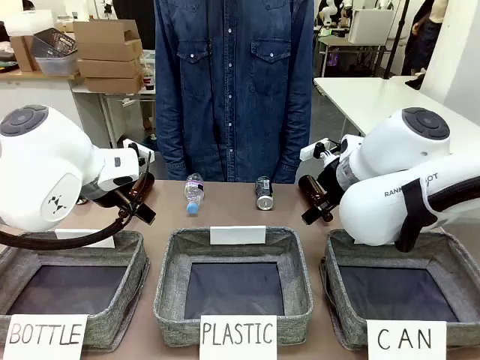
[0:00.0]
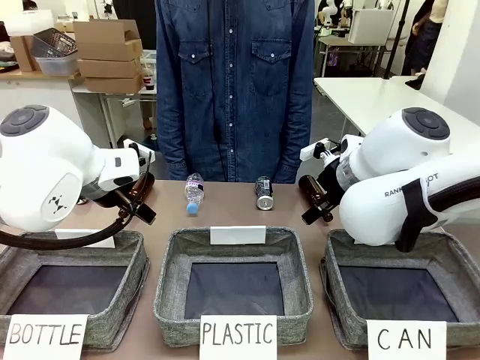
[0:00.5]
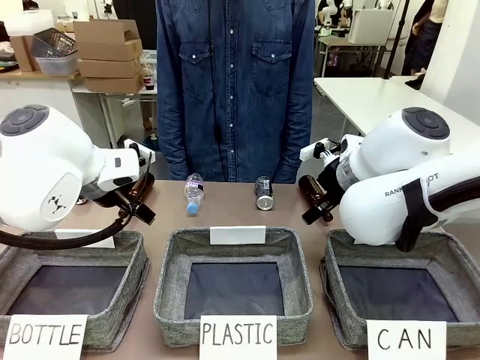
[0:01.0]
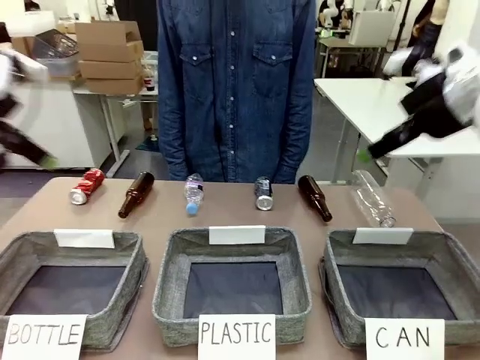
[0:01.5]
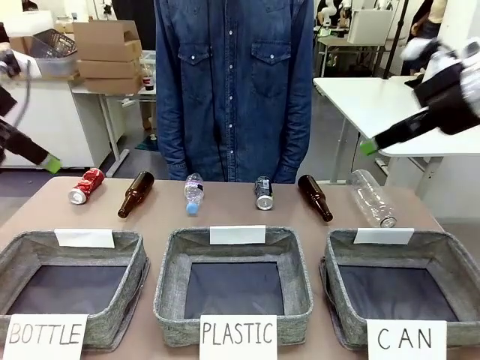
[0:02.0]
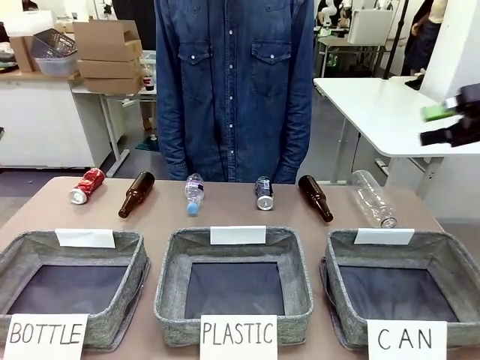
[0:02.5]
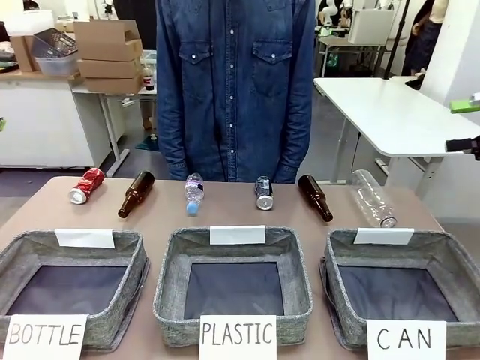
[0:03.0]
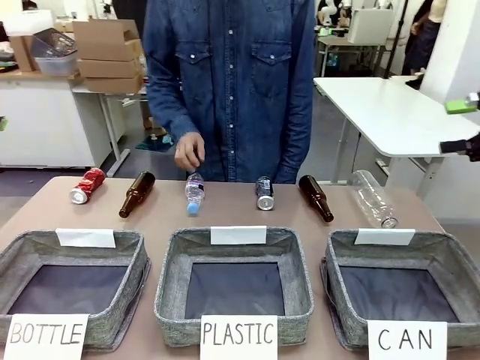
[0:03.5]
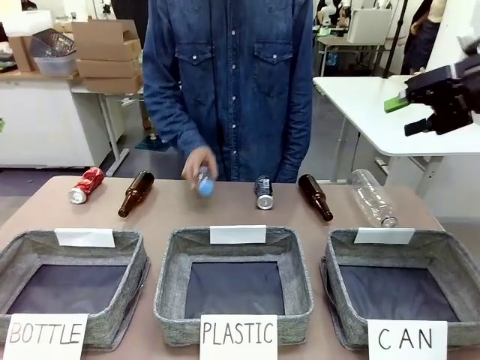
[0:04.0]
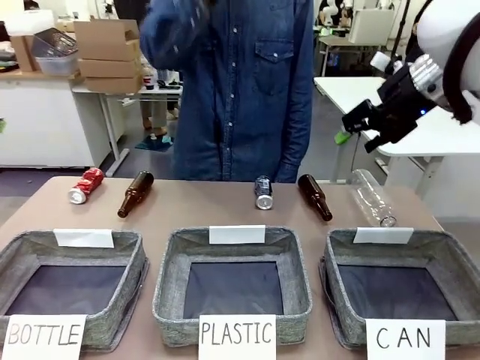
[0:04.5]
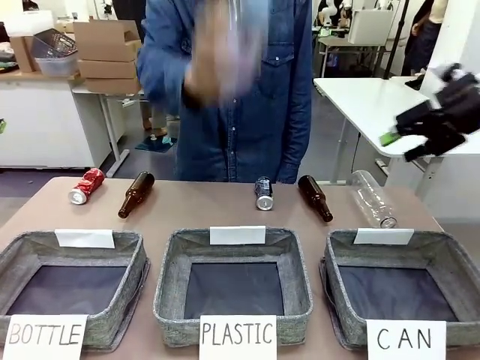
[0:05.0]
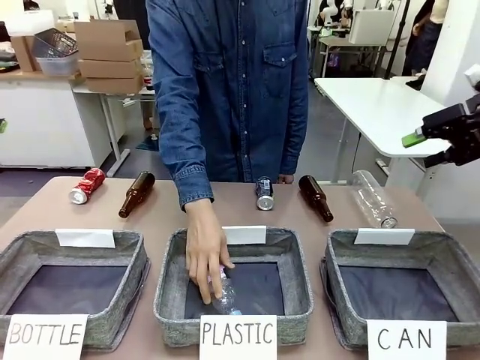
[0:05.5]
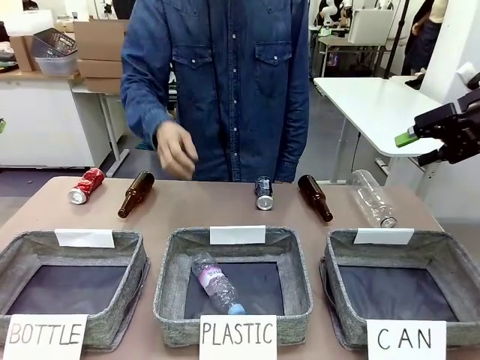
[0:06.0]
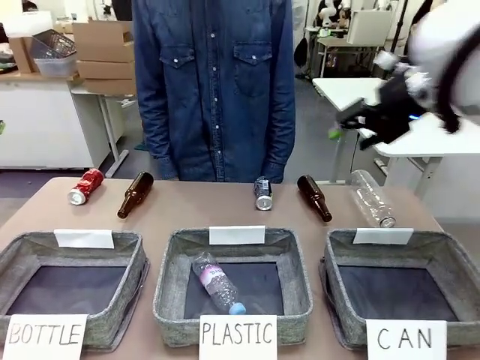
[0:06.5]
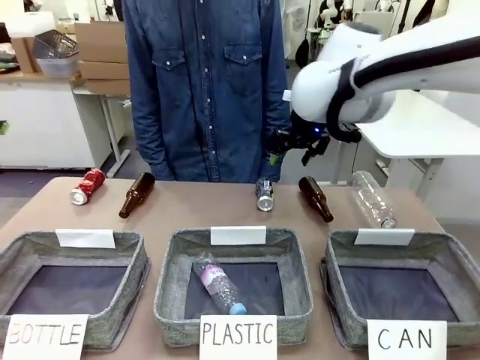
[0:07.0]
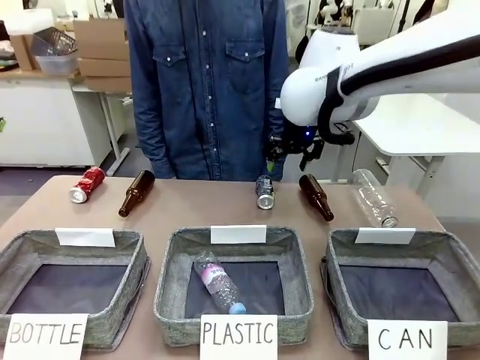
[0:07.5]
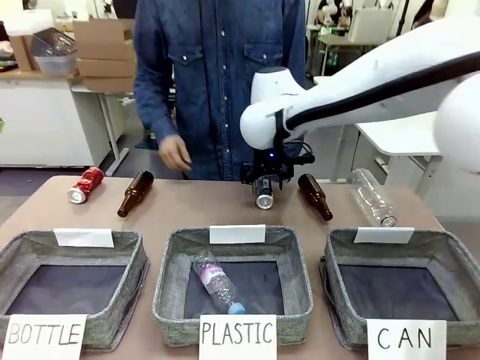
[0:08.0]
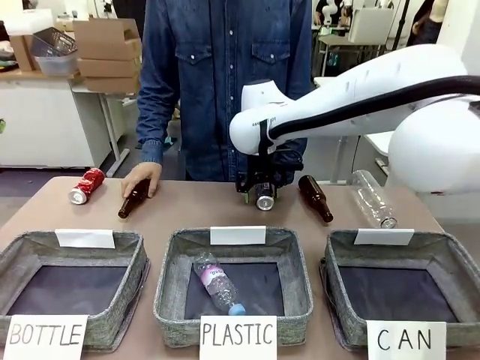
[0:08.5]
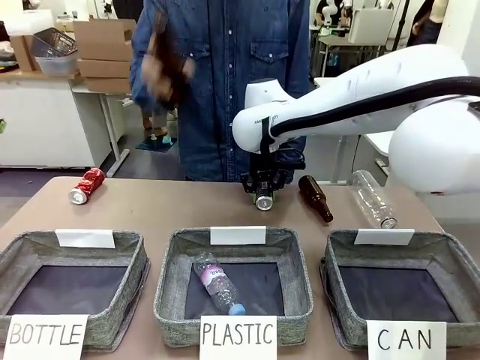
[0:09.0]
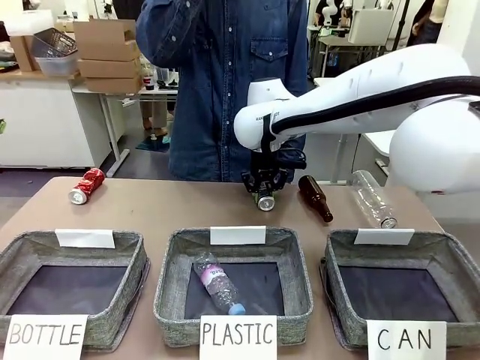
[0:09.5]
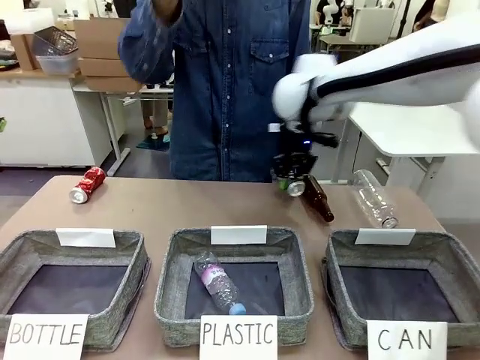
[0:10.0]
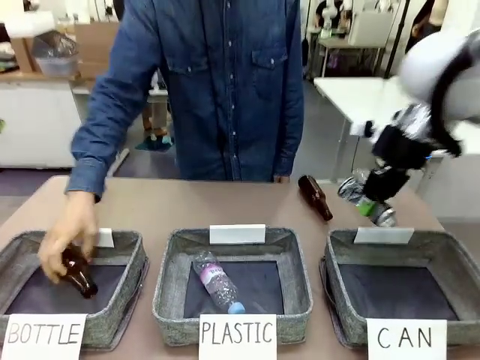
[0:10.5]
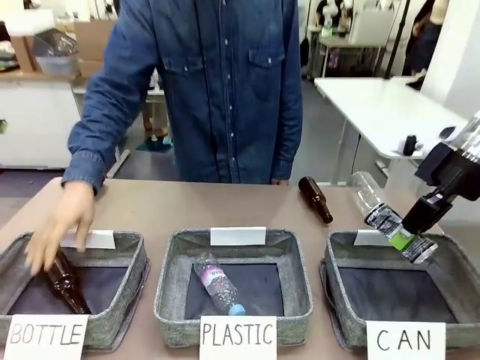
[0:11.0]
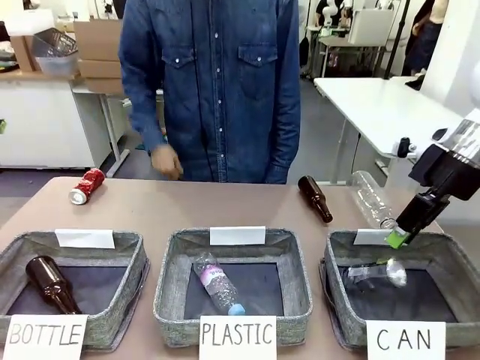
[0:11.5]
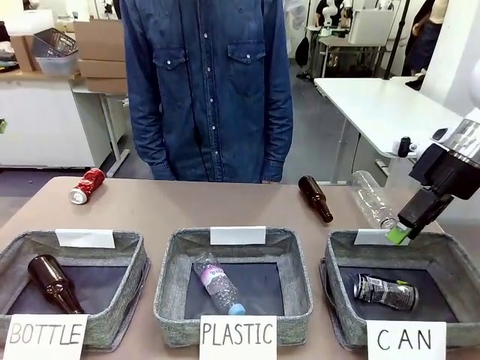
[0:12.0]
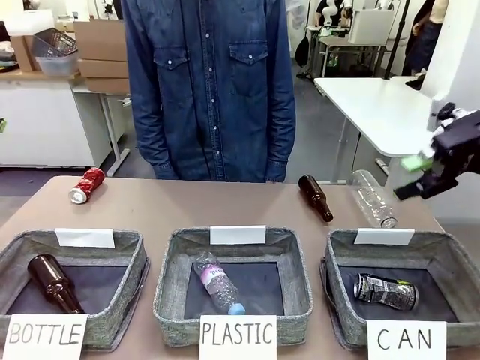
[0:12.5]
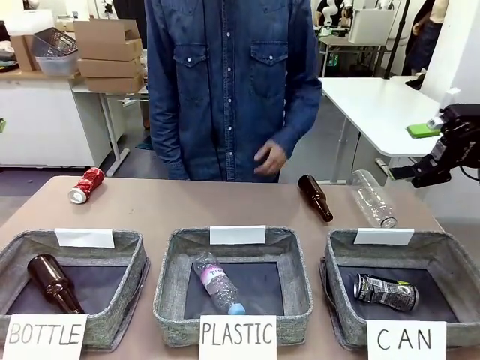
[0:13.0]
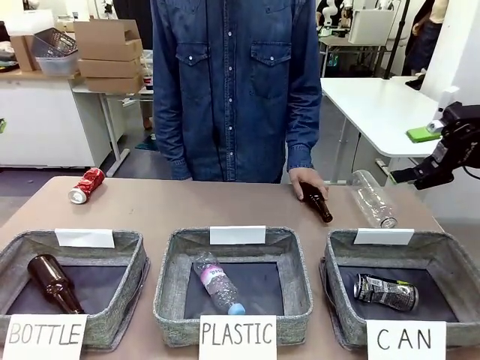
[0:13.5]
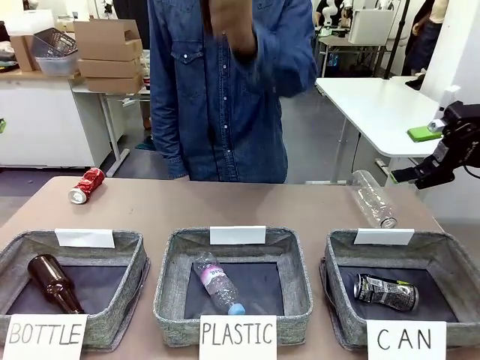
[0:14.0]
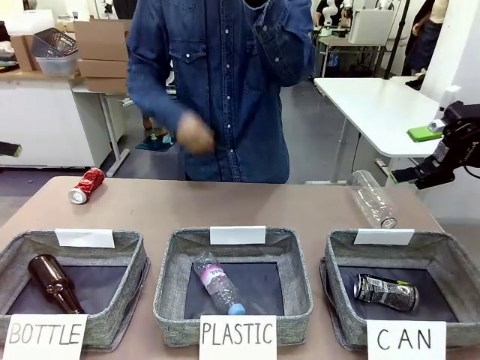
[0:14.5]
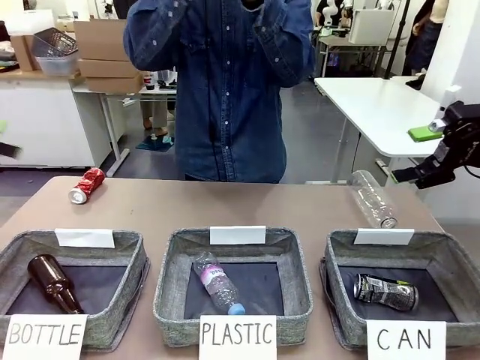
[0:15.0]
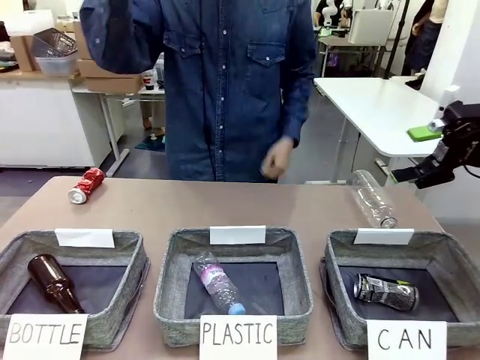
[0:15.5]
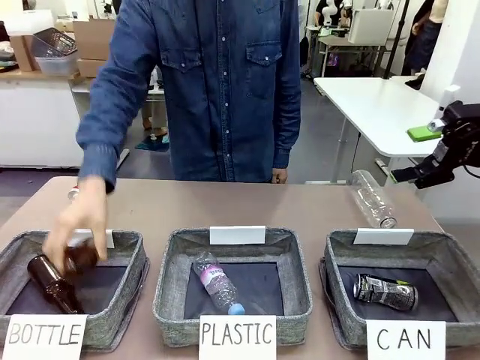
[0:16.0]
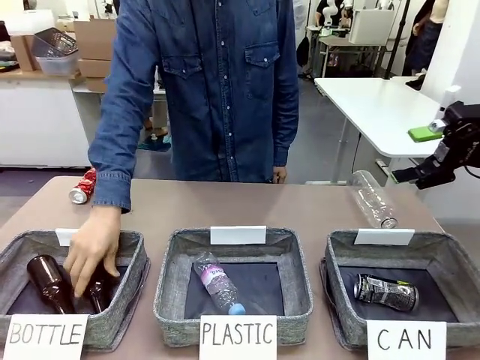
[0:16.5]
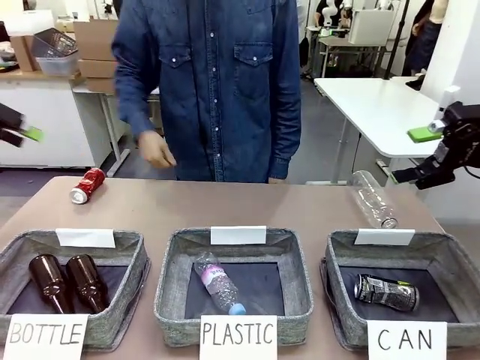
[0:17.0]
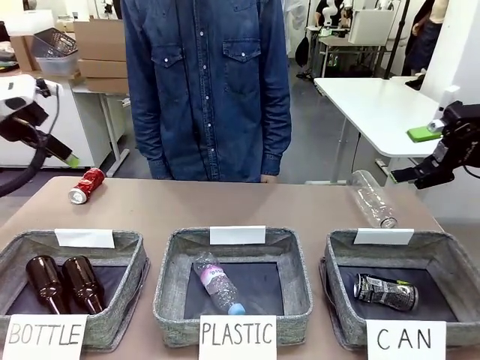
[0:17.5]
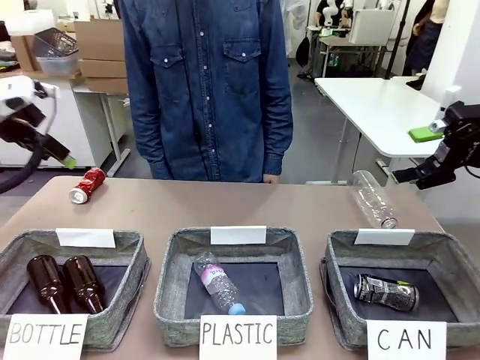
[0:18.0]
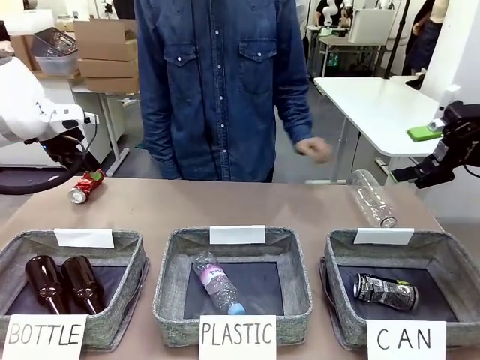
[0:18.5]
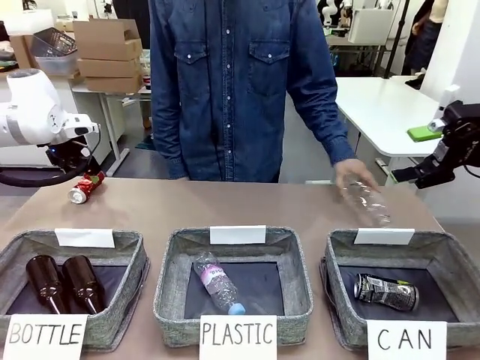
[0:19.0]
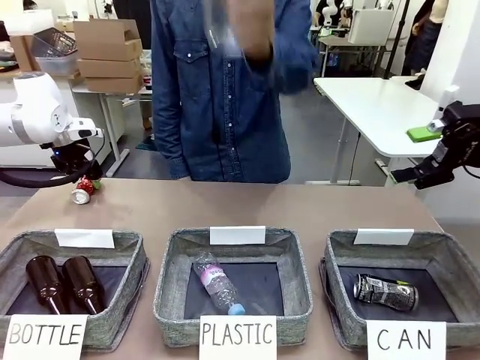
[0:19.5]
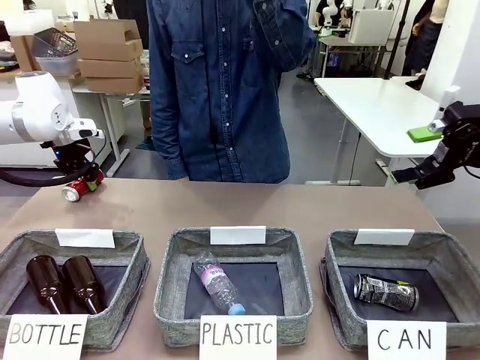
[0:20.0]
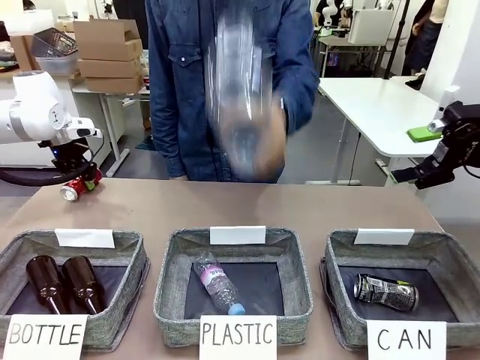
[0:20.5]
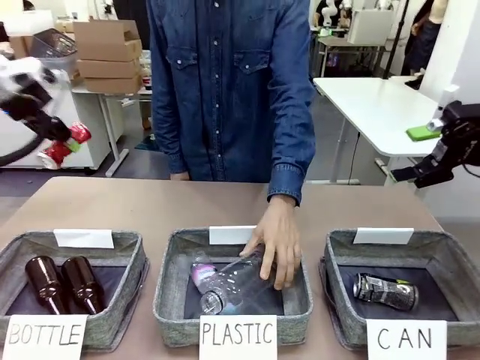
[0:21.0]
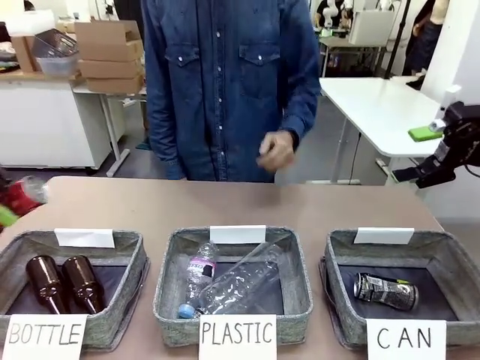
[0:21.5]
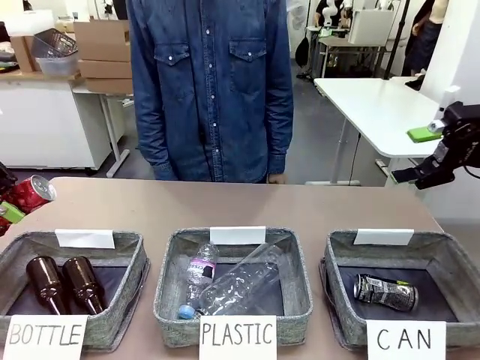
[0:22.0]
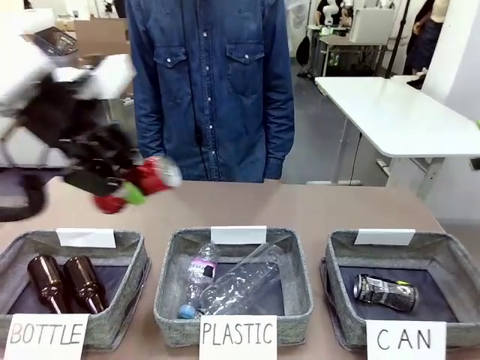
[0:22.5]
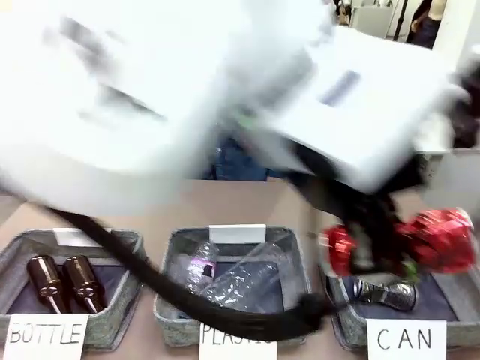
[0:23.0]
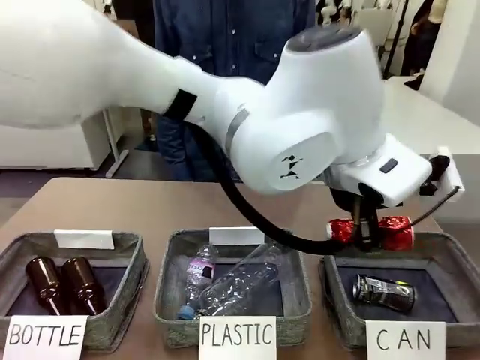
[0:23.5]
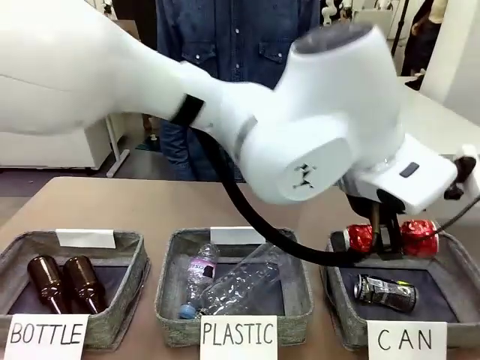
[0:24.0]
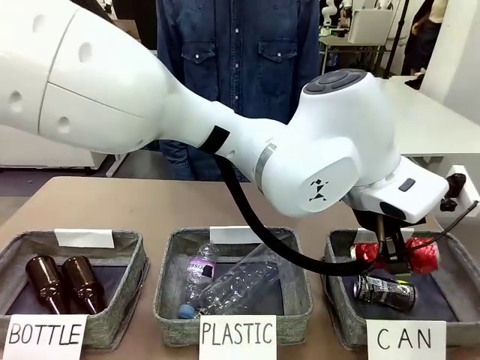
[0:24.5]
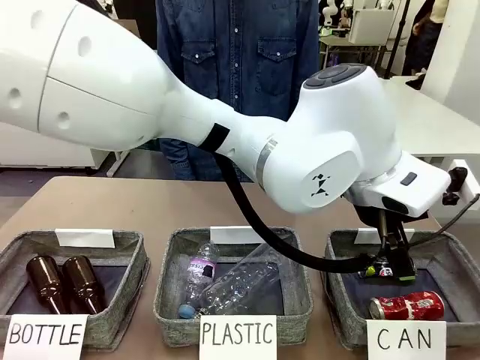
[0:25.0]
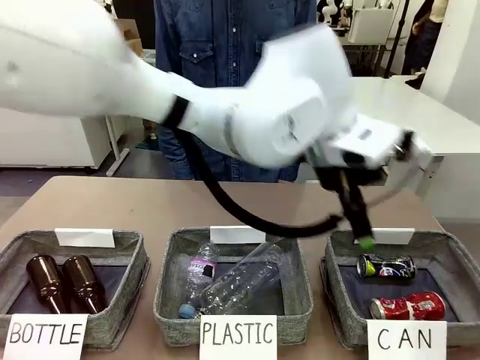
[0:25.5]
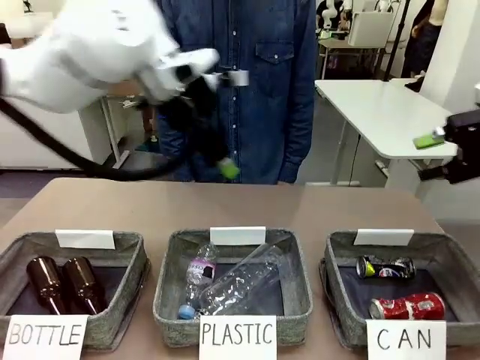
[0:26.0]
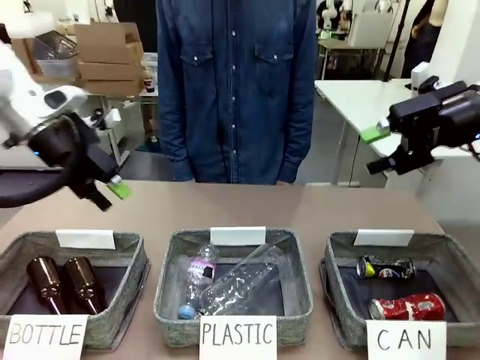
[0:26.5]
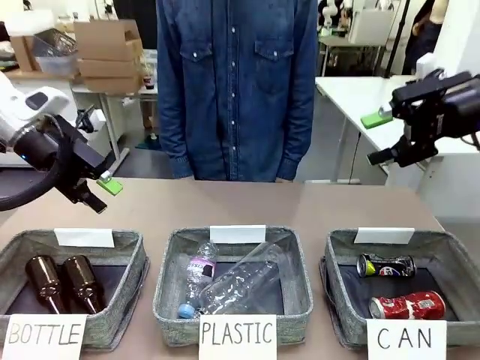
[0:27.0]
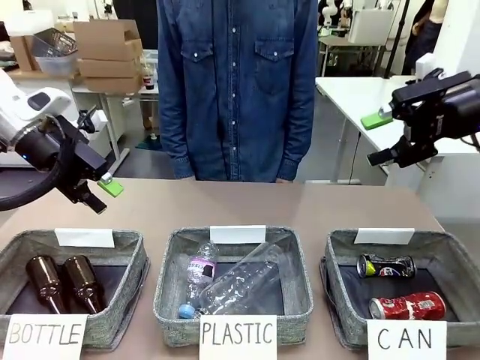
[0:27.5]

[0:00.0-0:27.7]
Task: Sort the can waste into the basket.
Robot: Pick up the can waste from the table and place it in the right Fabric basket.
Person: The human picks up one piece of trash that is not a can and places the trash into the appropriate organizing basket.
